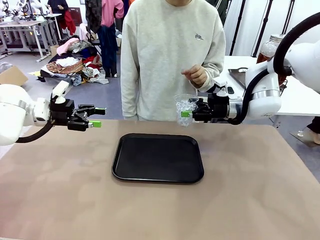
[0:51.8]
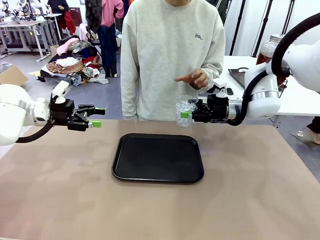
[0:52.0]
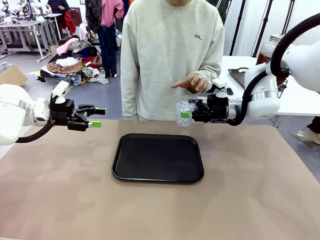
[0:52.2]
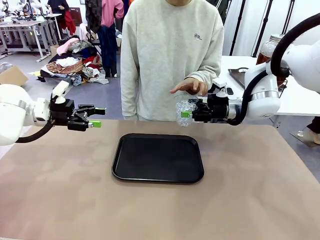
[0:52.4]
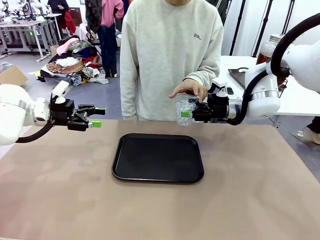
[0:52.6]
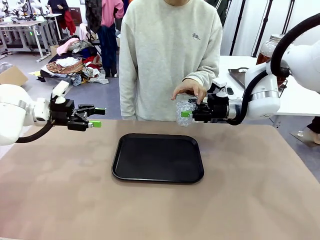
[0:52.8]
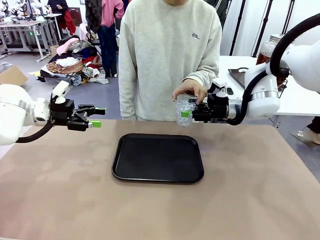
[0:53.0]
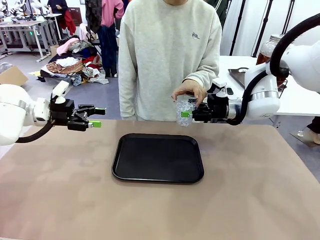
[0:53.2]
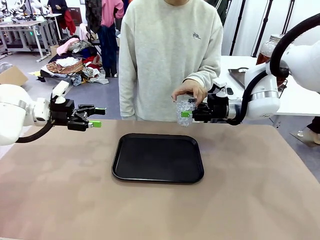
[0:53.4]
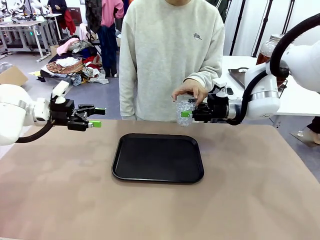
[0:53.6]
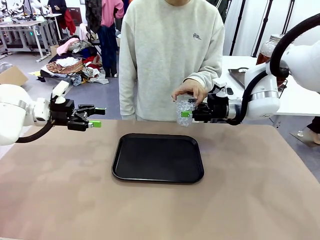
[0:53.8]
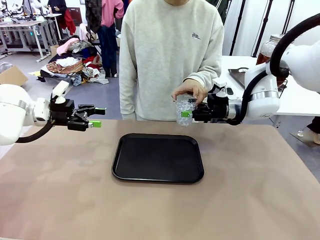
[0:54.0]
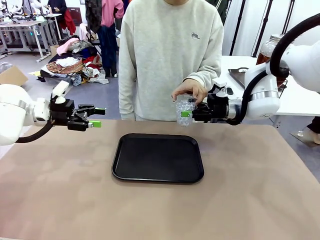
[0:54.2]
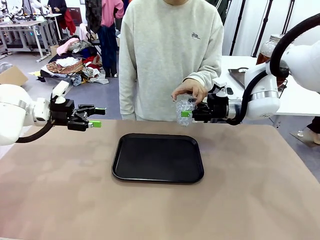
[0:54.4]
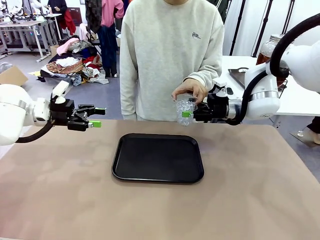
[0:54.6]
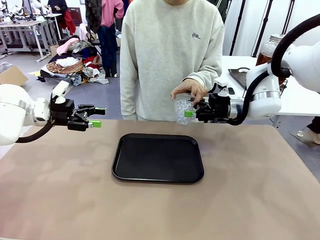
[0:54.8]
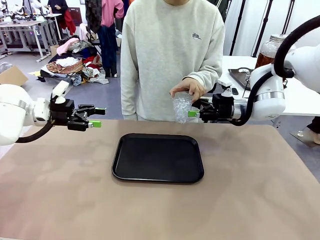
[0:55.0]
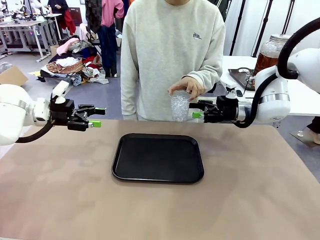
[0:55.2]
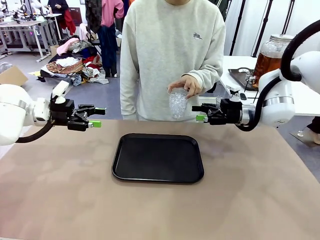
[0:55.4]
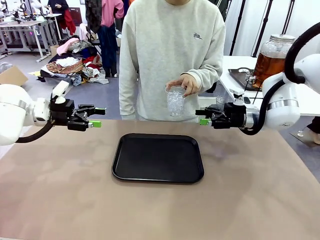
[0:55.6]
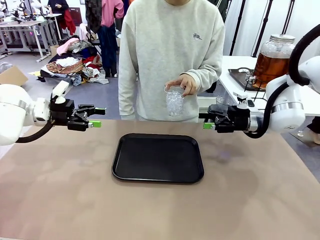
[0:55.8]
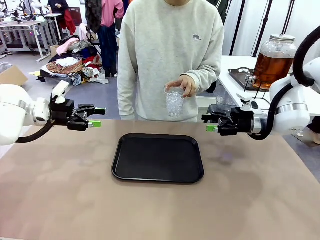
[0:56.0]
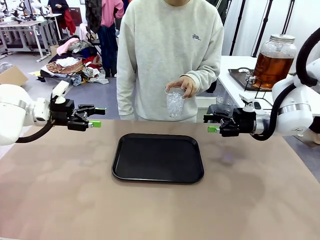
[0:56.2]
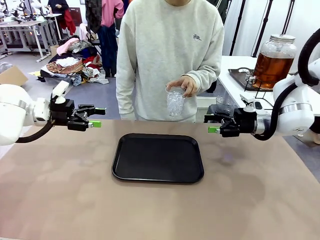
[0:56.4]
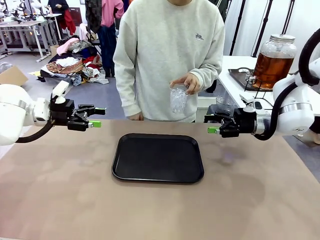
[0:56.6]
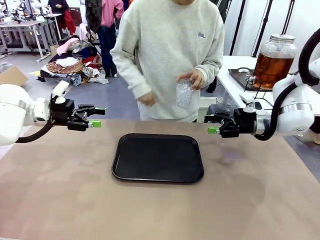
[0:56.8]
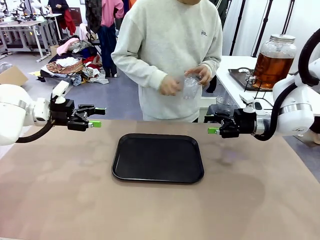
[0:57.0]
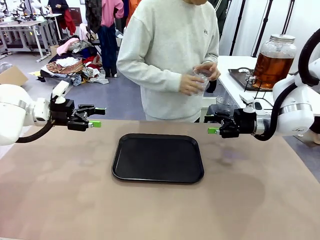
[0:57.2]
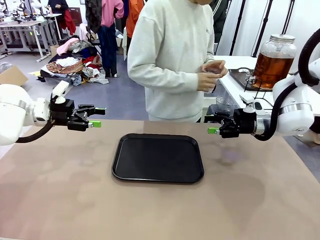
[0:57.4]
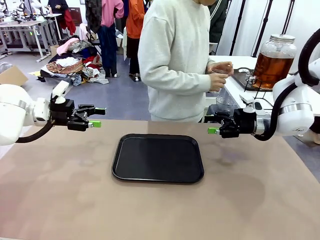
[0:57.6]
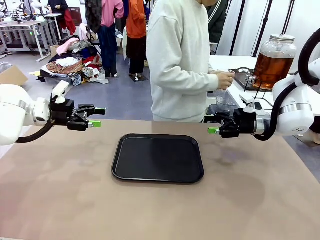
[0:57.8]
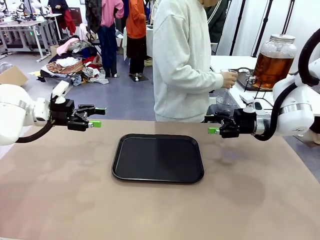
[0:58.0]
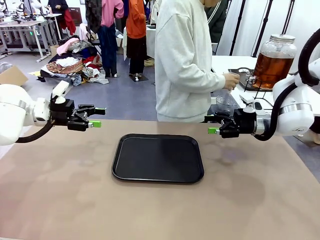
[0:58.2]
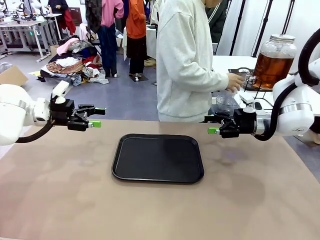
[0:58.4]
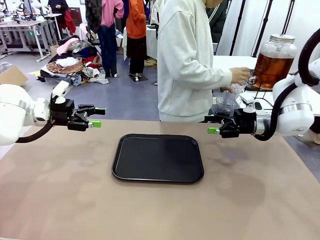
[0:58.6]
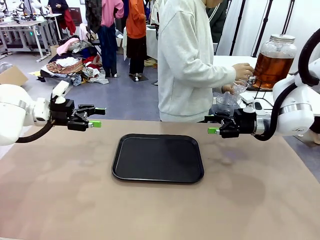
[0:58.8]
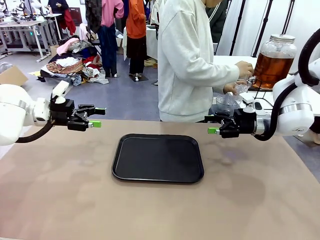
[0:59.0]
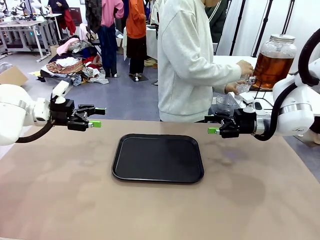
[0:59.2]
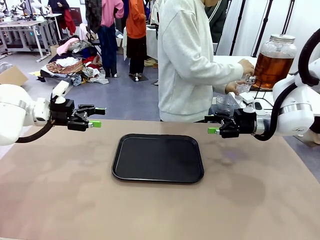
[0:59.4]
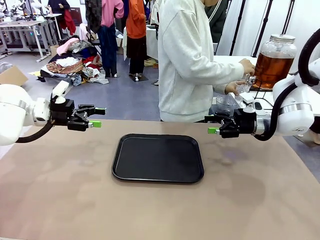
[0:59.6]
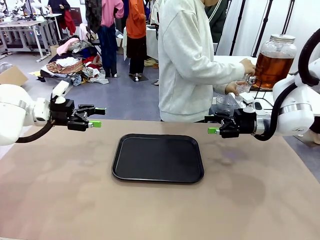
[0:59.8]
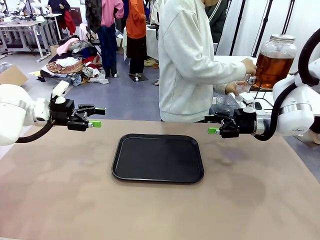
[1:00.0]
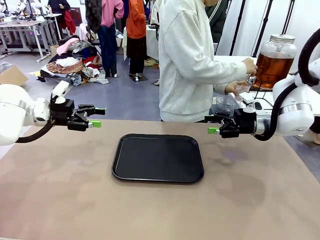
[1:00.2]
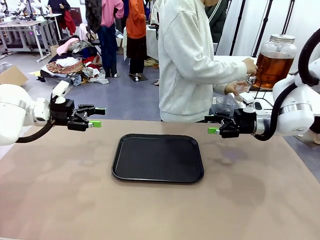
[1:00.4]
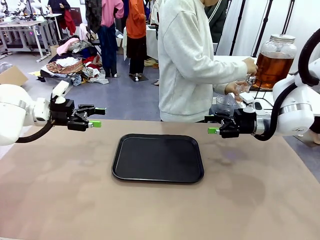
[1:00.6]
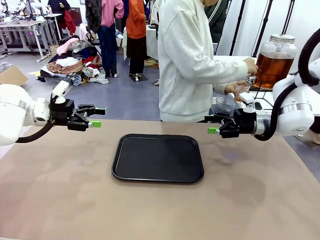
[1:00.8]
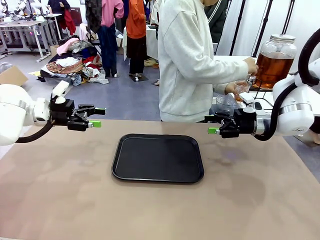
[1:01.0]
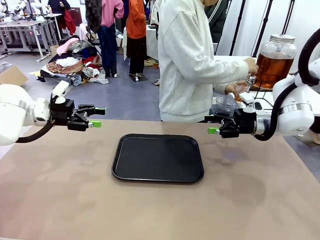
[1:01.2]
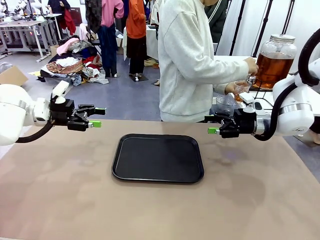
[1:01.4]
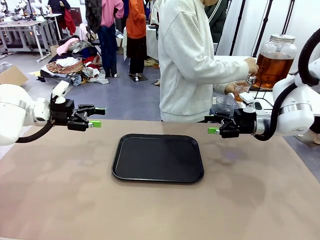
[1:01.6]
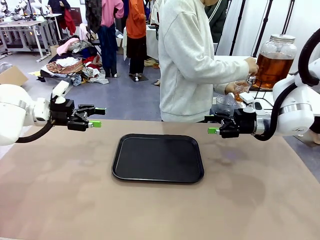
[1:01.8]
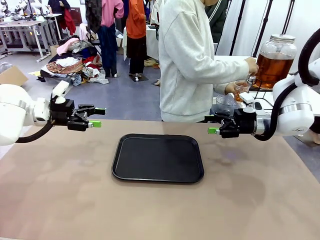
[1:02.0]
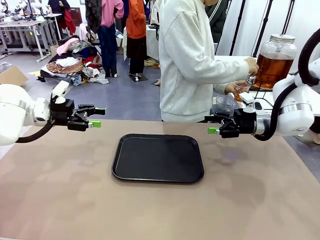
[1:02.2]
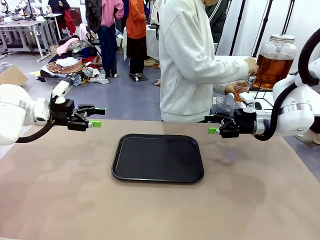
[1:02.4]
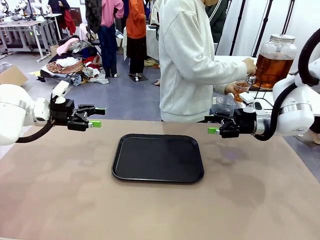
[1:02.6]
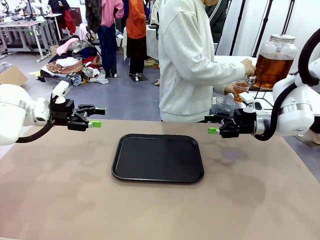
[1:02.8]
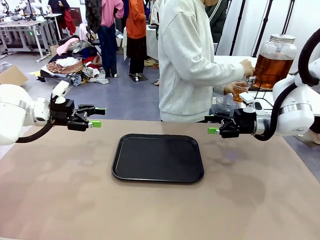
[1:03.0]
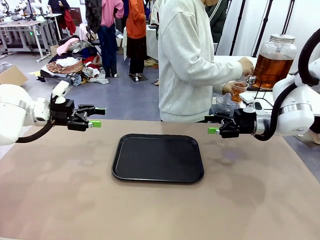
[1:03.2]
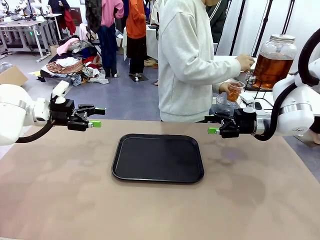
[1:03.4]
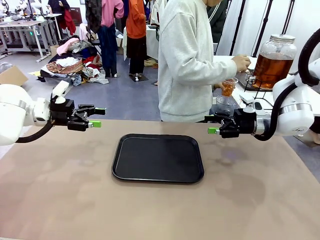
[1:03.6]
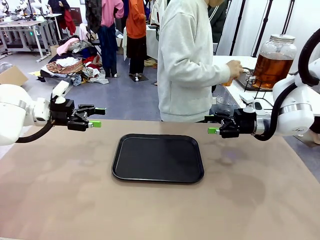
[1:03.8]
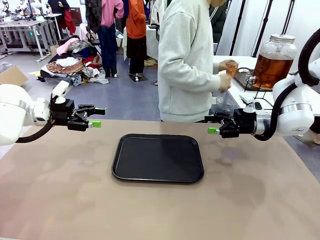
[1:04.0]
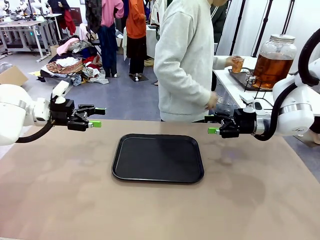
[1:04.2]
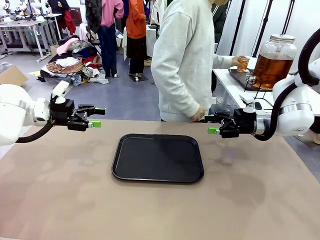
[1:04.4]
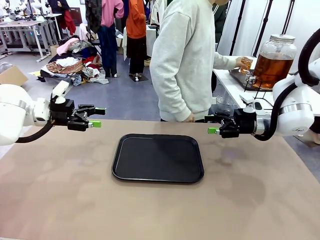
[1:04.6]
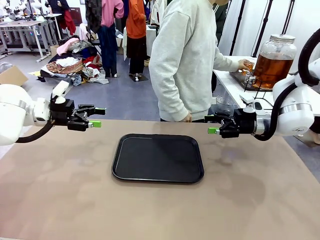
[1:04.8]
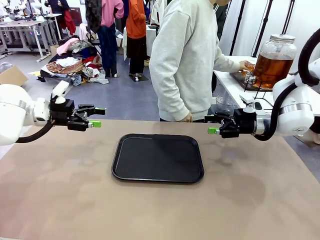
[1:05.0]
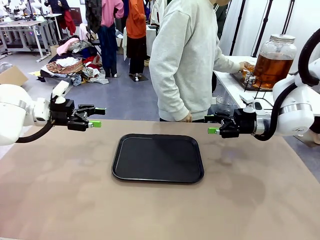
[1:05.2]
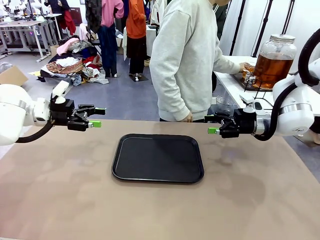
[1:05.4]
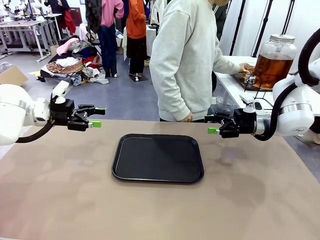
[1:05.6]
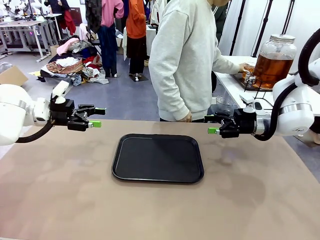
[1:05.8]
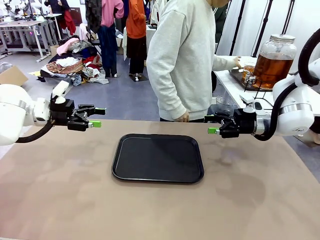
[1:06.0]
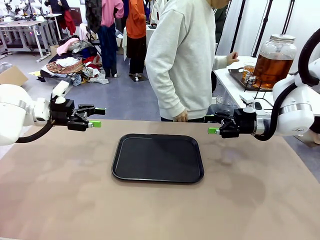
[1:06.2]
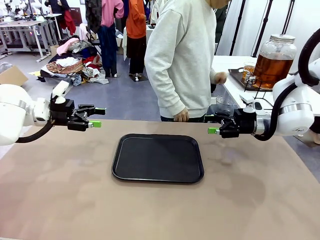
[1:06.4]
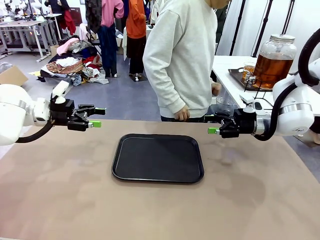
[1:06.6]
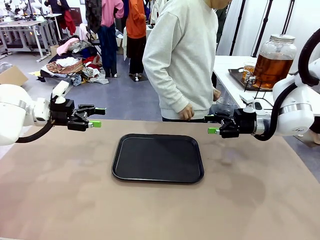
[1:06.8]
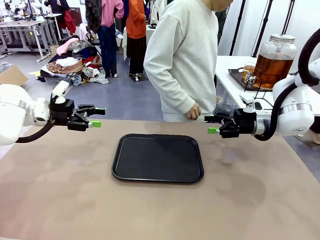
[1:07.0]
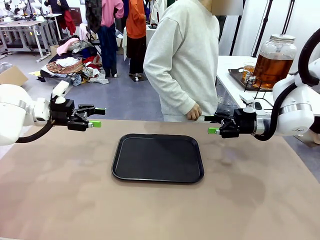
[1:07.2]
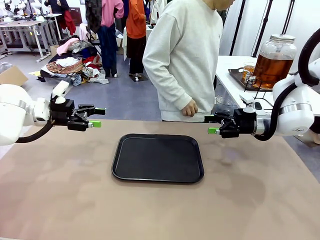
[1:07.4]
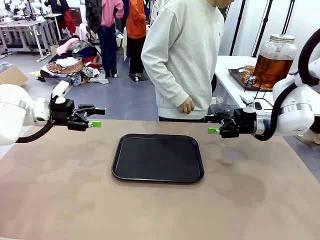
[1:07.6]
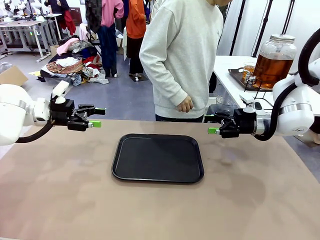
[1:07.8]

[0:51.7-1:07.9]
Task: Pour the drink into the iced cup.
Robot: Open the gripper to release the iced cup you were holding.
Person: Move the picked-up cup under the dispenser faucet, pour the drink, and place it on the tray on the human table.
